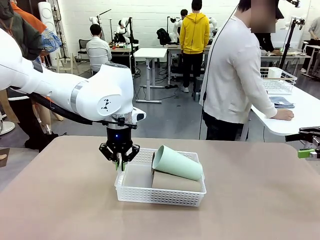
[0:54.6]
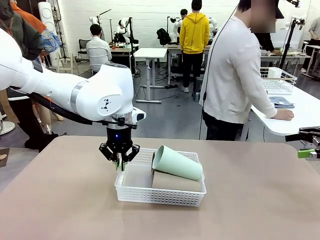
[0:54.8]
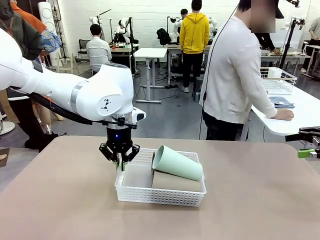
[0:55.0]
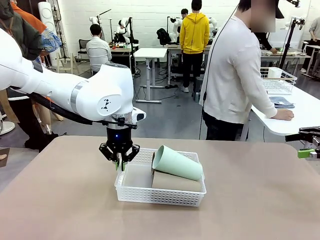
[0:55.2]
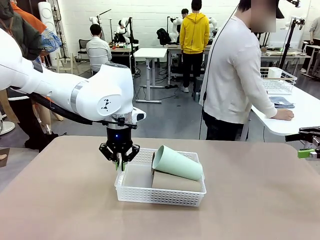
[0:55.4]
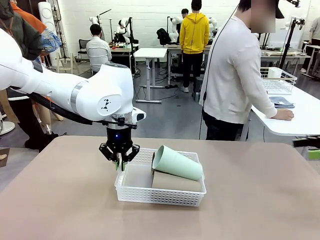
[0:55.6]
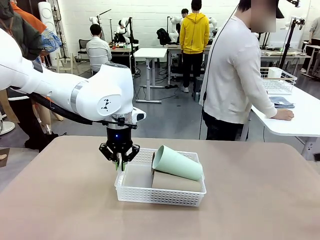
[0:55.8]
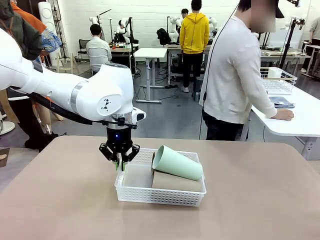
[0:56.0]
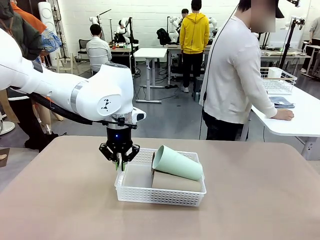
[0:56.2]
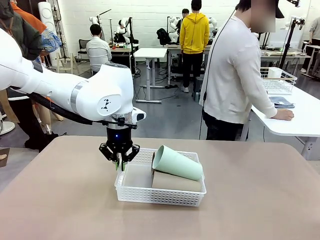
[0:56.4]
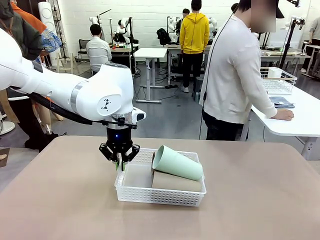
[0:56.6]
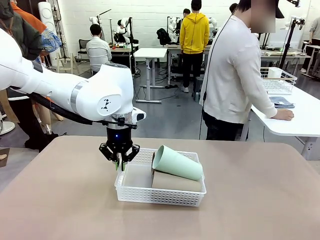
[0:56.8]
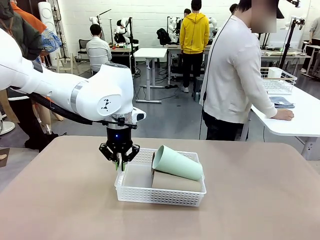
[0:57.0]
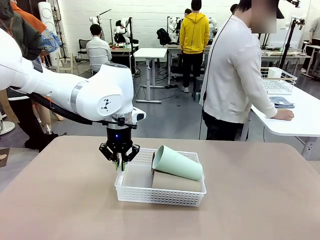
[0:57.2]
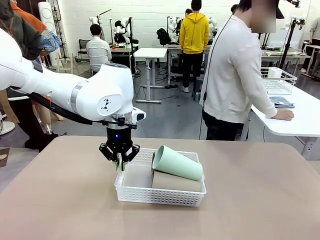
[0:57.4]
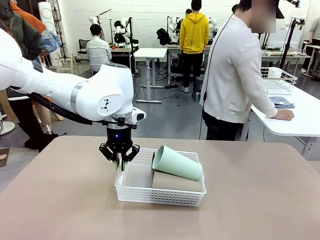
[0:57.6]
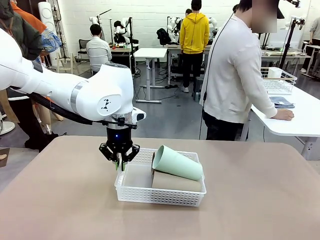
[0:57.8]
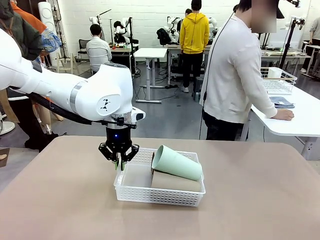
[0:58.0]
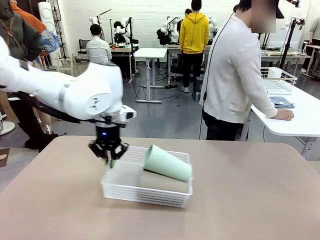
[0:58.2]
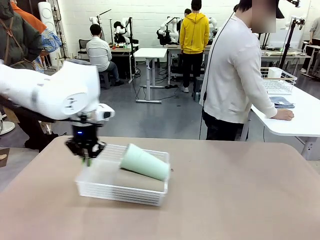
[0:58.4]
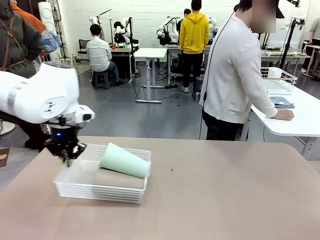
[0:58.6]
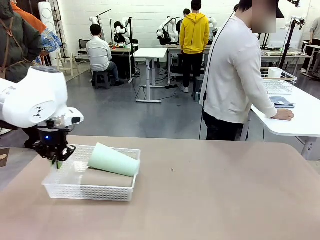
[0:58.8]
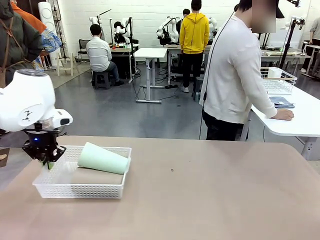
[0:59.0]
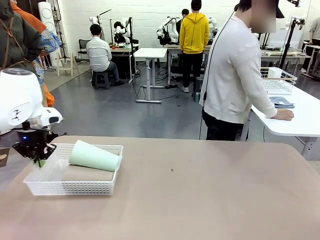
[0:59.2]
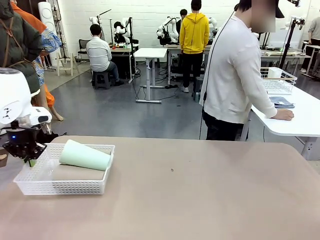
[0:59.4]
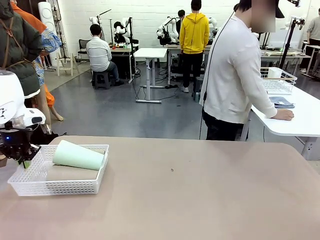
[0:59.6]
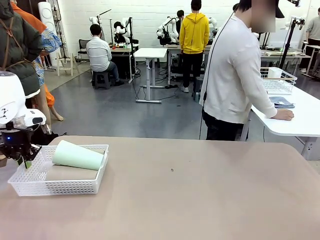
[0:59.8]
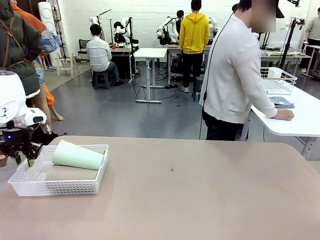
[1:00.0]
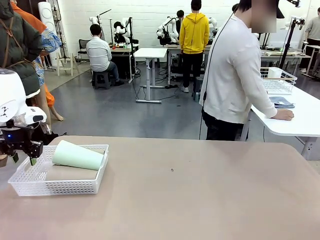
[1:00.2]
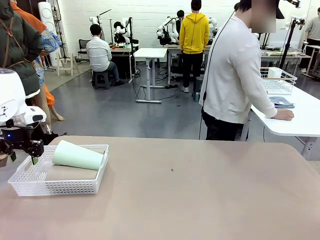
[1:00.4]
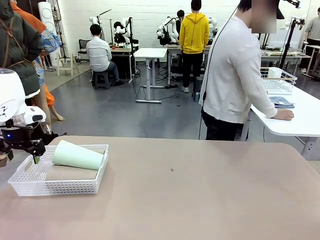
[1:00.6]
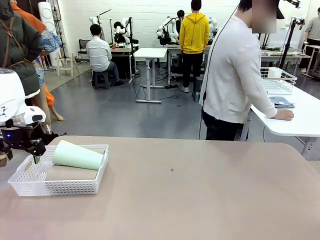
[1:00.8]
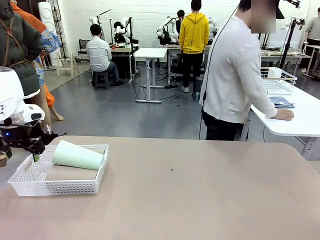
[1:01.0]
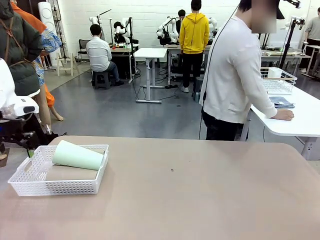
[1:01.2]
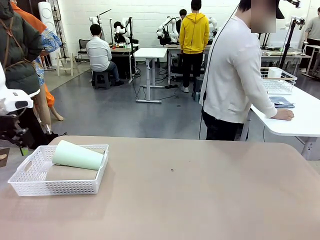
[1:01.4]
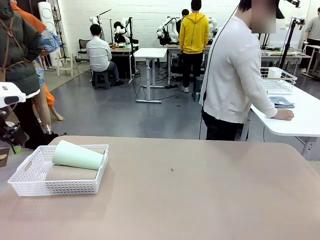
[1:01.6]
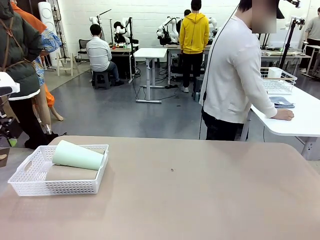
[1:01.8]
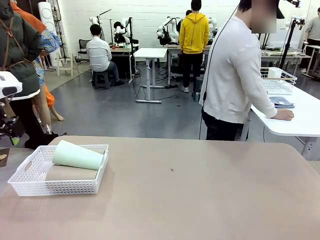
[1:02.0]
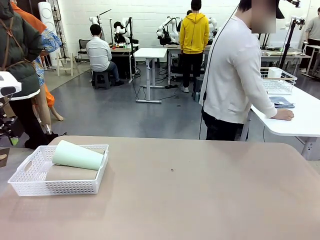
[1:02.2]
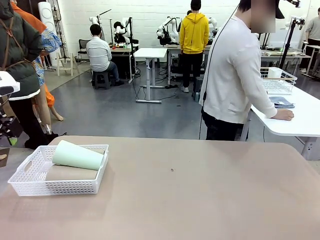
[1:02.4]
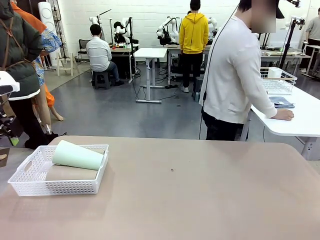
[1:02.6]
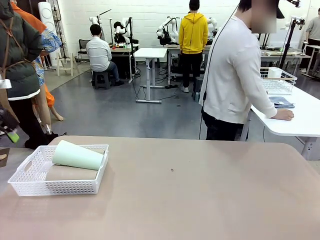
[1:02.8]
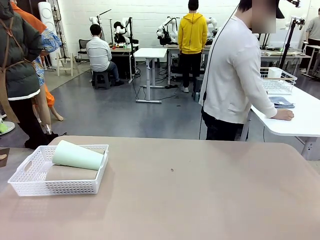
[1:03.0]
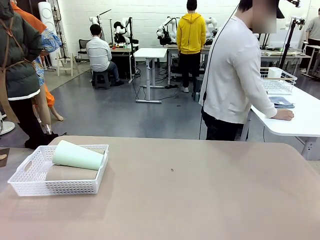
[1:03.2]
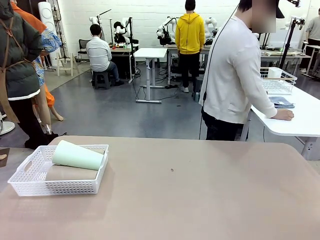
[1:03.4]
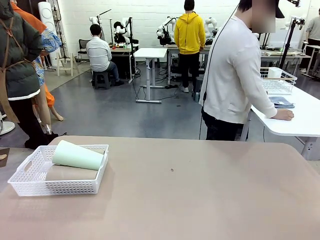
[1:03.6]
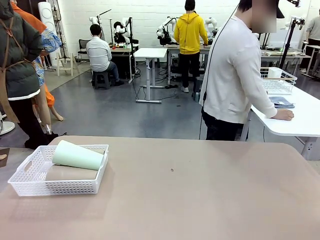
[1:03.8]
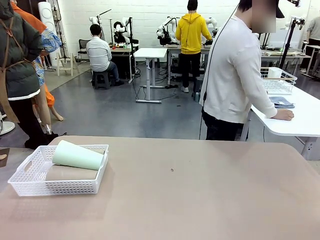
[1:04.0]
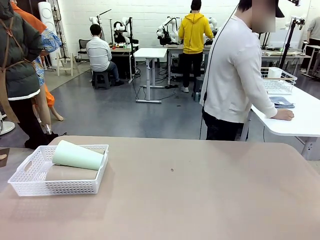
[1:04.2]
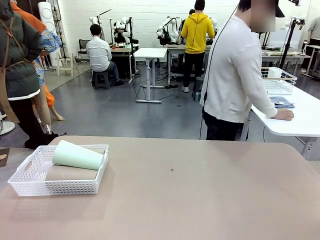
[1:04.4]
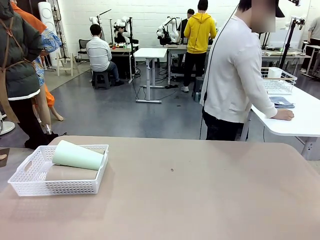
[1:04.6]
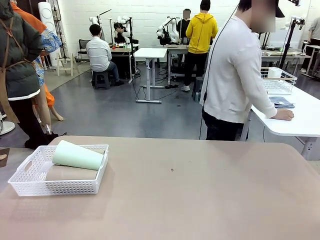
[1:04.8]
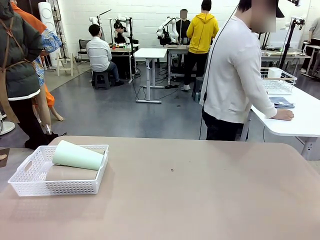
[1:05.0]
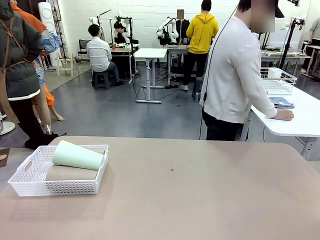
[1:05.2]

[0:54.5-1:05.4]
Task: Clean and organize the cups into the basket.
Robot: Move the Organizing basket back to the left side of the table.

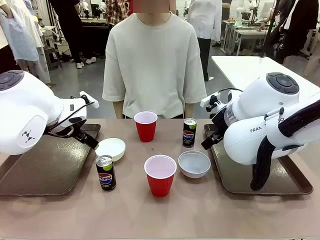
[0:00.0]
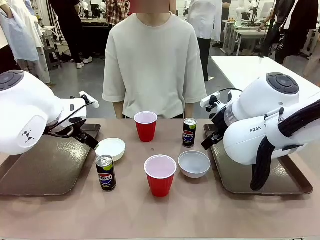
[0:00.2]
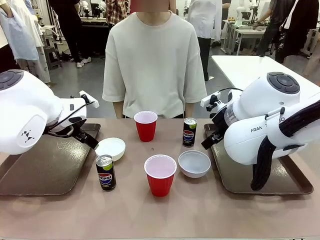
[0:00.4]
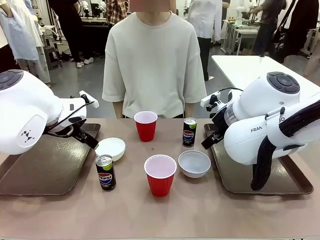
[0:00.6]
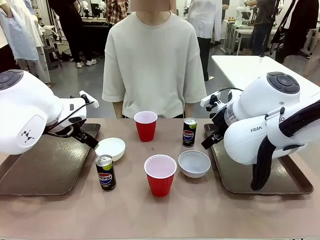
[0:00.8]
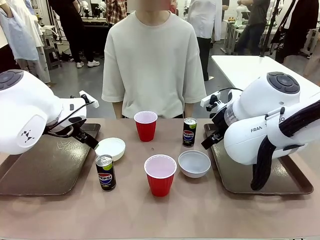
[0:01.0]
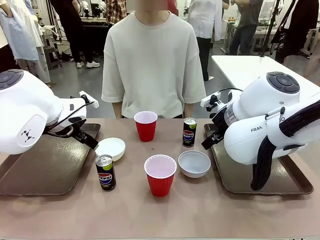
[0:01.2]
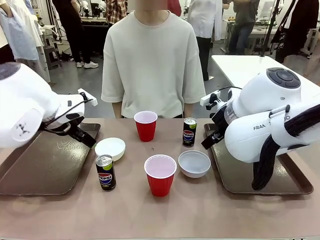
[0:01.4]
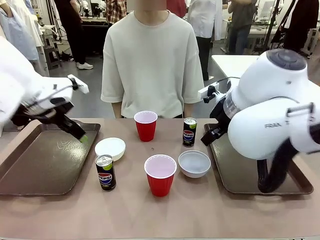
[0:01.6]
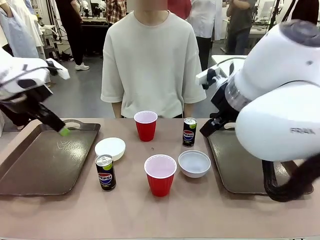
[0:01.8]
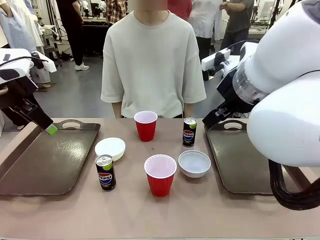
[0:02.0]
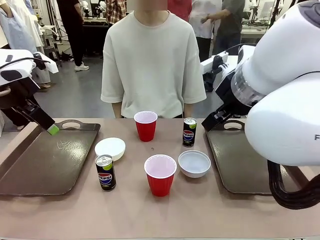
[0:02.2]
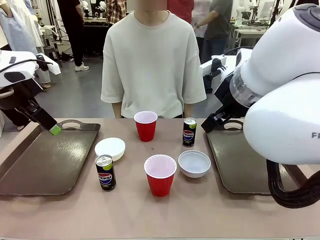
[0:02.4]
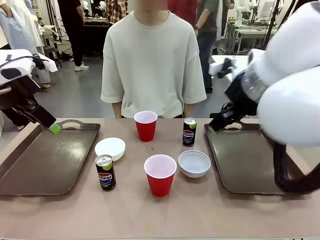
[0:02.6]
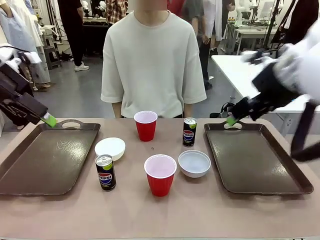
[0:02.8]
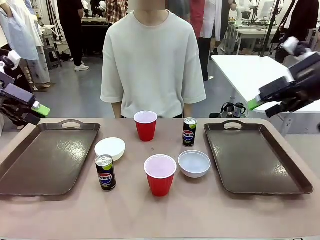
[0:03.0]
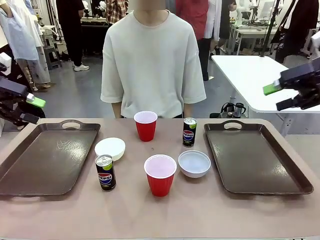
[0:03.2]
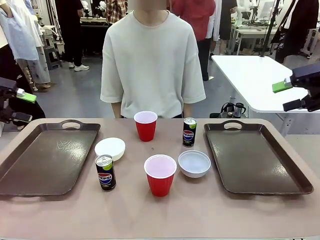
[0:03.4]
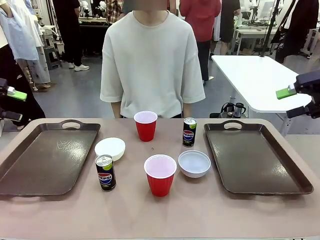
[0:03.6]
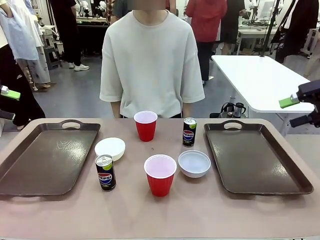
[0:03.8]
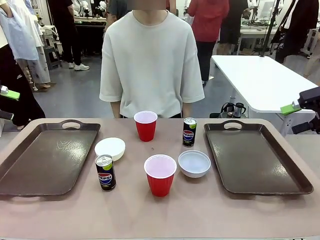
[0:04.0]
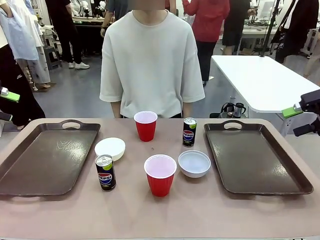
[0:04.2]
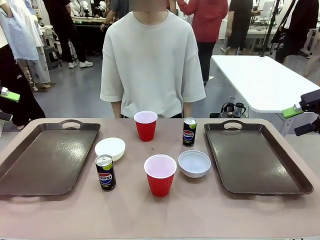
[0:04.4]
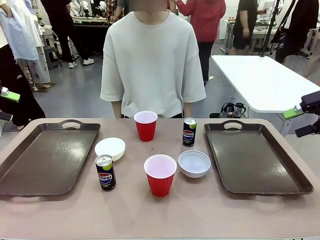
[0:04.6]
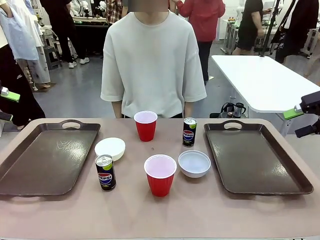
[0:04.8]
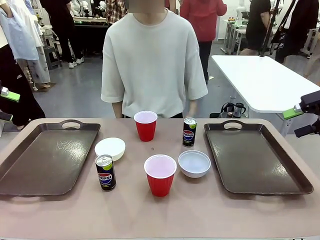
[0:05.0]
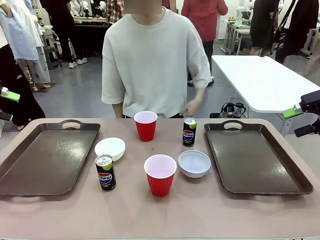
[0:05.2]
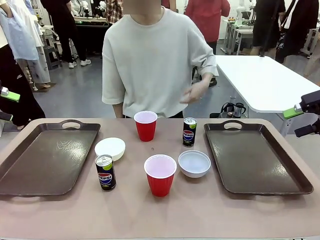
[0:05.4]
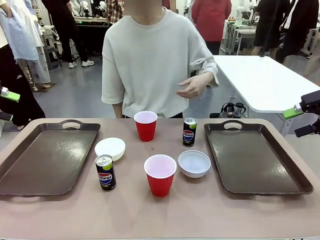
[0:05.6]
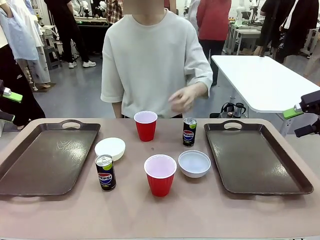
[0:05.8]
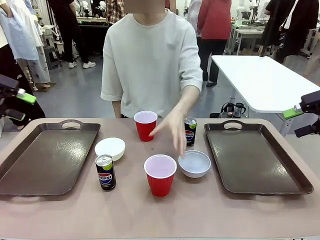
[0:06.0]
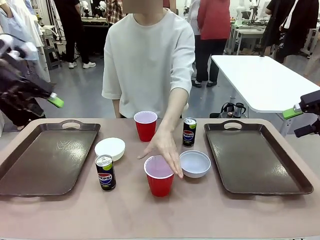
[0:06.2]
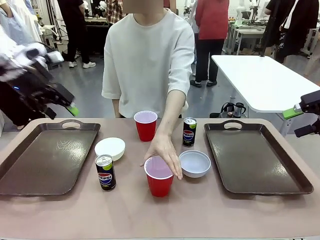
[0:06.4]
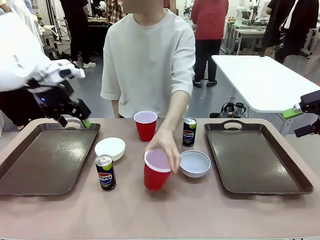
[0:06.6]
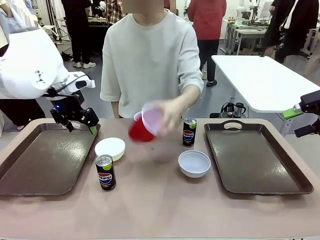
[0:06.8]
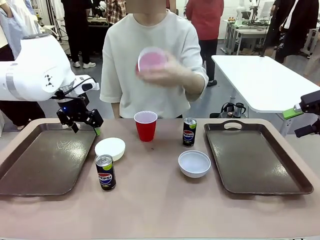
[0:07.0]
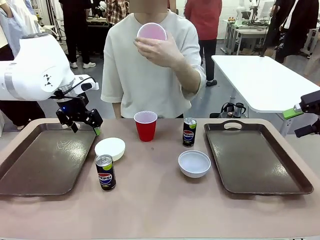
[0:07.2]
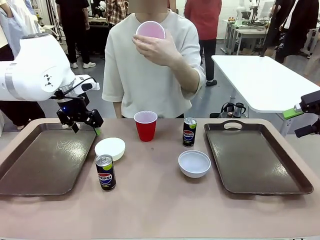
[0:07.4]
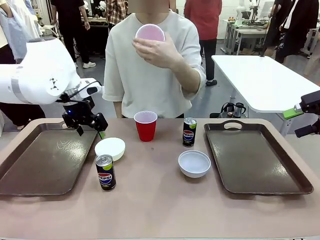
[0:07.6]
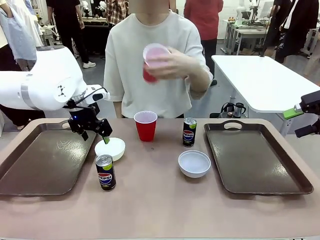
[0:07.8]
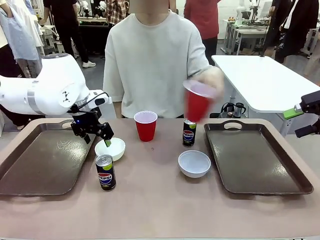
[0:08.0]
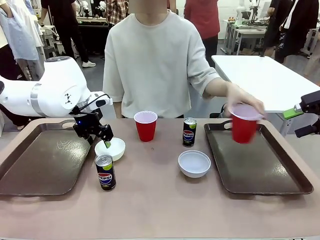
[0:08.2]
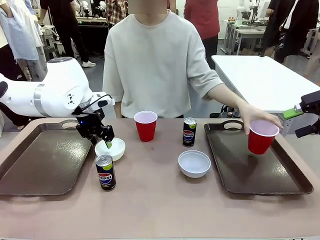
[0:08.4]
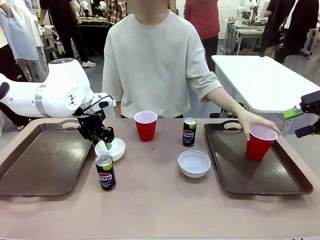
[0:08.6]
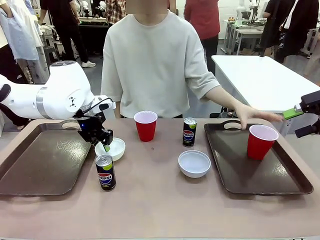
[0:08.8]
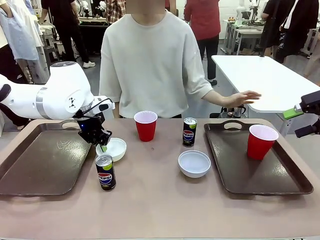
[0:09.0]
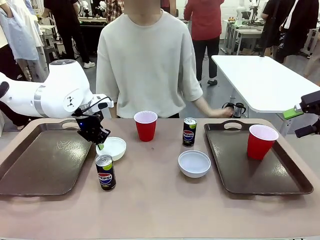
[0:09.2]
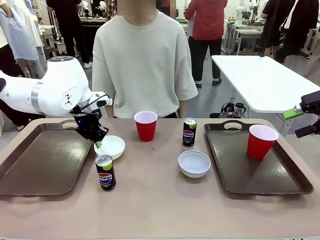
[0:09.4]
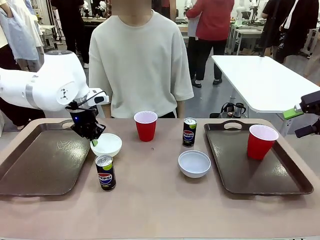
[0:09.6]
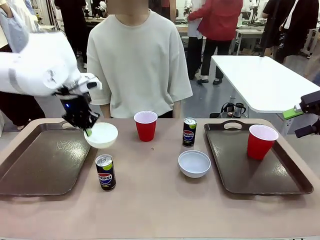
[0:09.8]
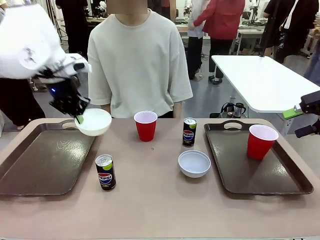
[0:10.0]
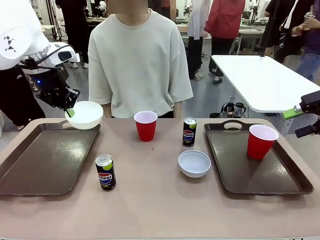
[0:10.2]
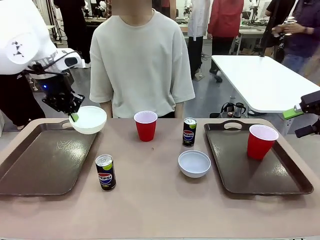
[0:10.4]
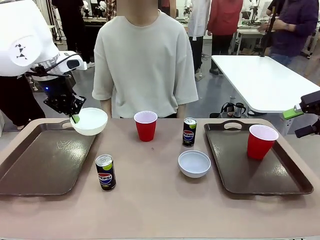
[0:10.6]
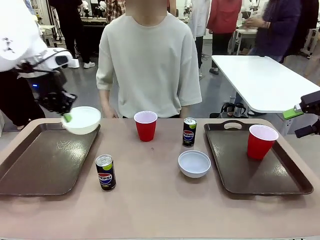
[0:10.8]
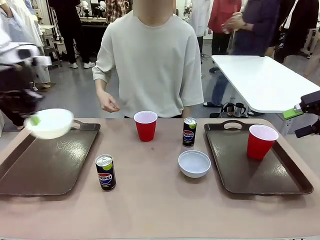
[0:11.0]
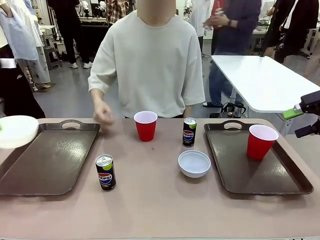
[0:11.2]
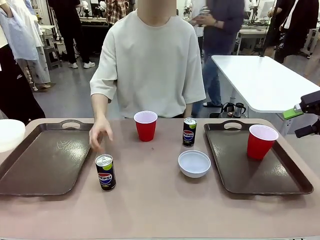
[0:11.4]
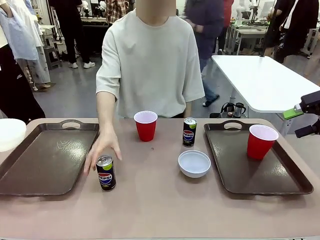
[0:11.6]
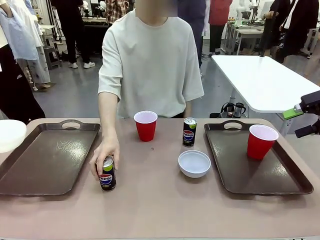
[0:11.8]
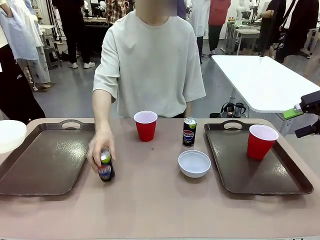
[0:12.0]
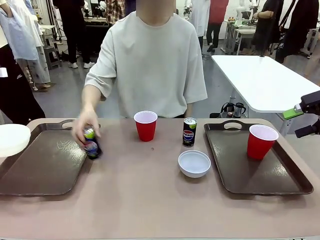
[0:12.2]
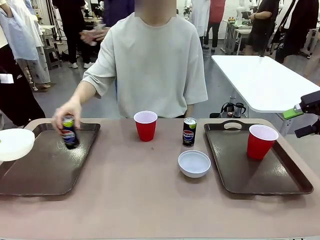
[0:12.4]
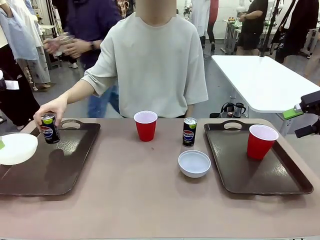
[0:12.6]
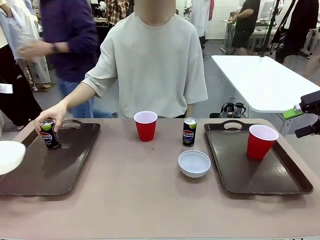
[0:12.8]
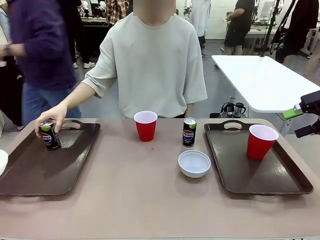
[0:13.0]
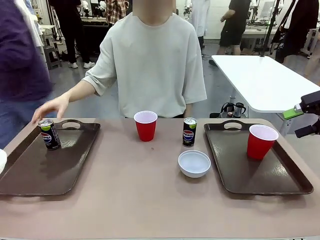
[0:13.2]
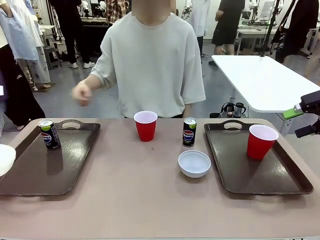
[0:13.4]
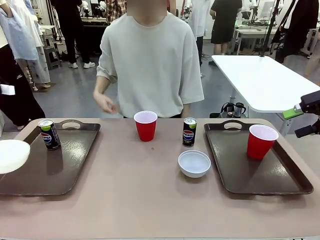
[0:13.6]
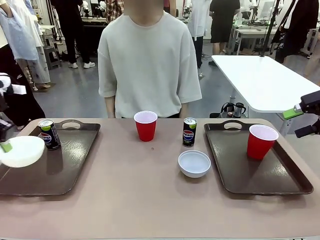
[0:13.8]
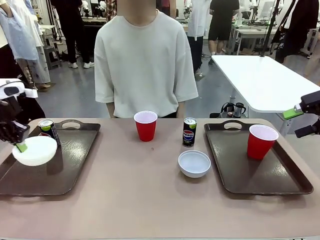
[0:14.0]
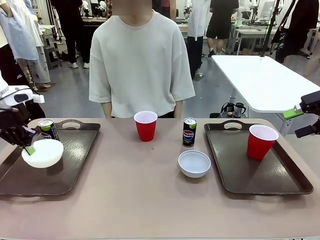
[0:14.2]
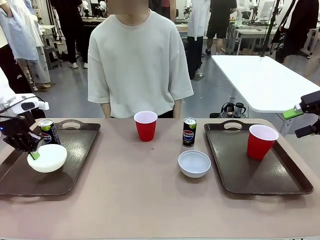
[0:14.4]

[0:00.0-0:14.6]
Task: Prepare tableware on both trays.
Robot: Pick up a Picnic Bowl from the table and place it on a Handle tray.
Person: Pick up a can or cup and place it on the tray.
